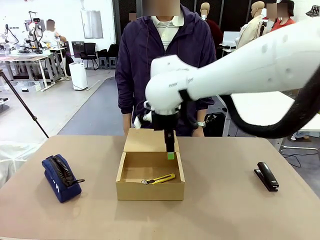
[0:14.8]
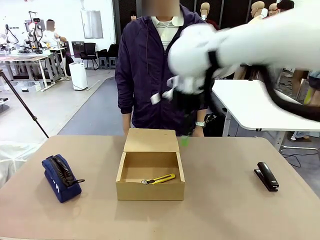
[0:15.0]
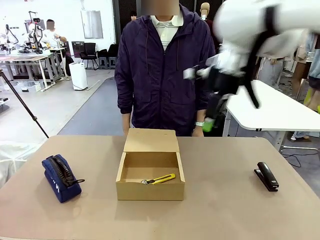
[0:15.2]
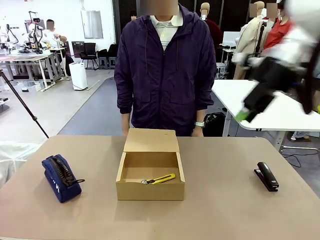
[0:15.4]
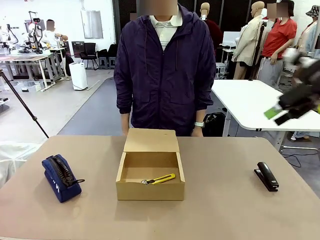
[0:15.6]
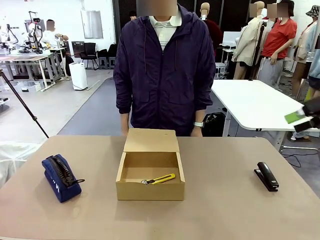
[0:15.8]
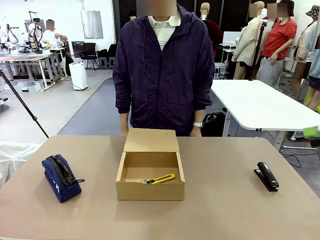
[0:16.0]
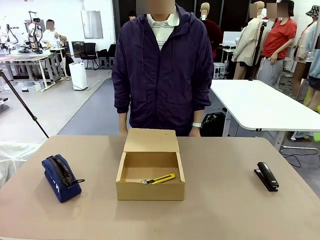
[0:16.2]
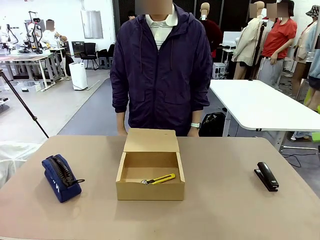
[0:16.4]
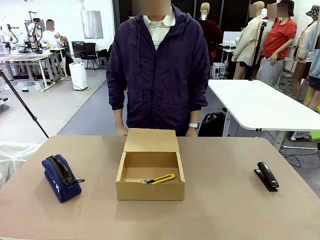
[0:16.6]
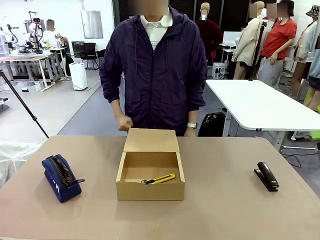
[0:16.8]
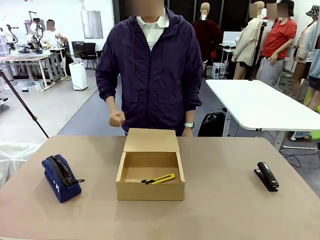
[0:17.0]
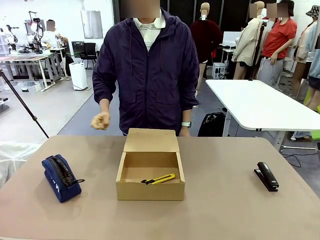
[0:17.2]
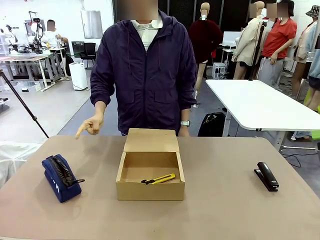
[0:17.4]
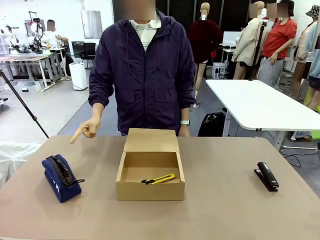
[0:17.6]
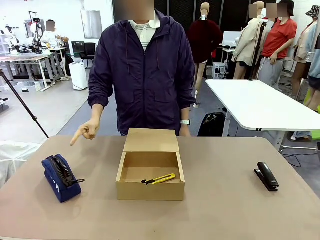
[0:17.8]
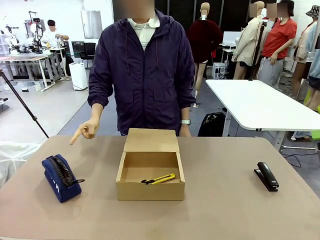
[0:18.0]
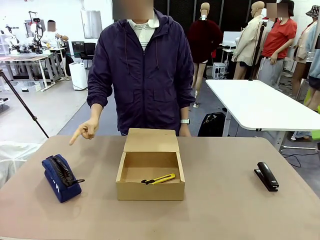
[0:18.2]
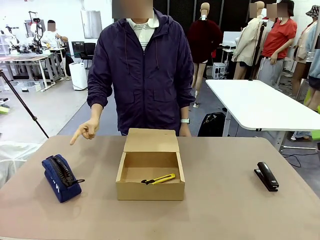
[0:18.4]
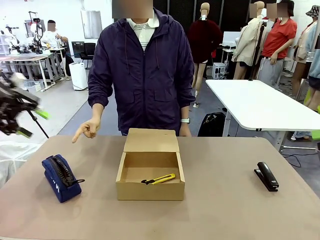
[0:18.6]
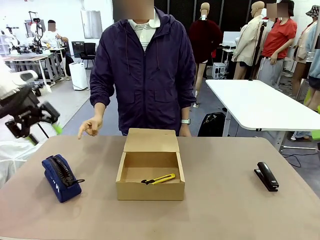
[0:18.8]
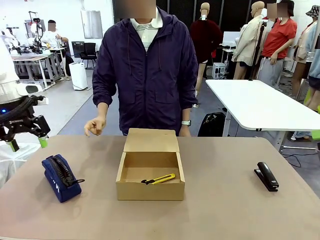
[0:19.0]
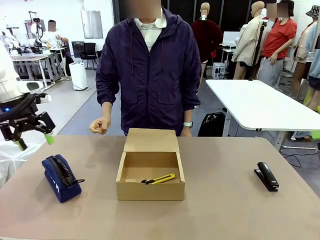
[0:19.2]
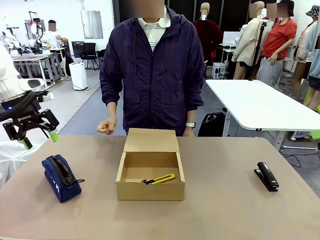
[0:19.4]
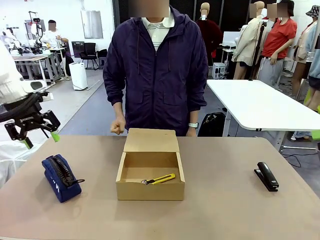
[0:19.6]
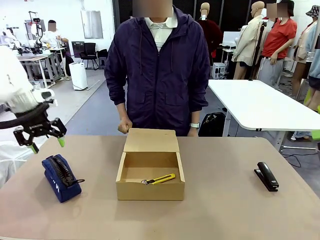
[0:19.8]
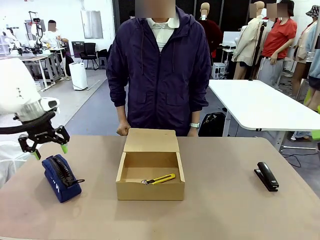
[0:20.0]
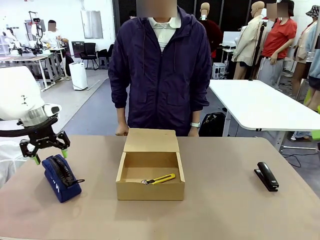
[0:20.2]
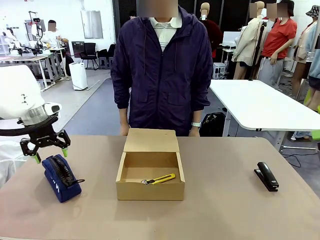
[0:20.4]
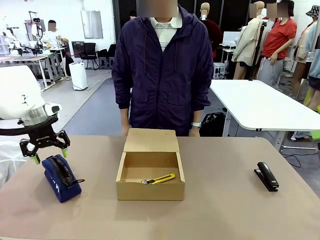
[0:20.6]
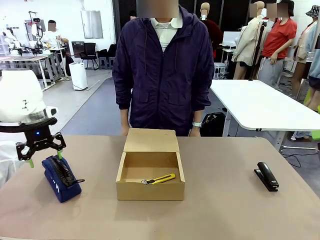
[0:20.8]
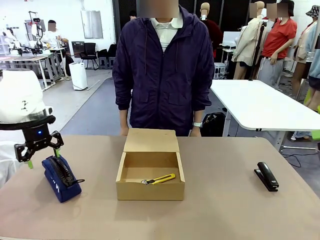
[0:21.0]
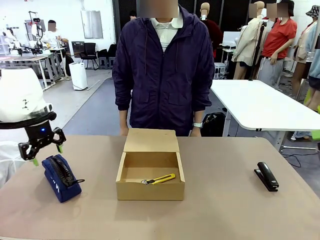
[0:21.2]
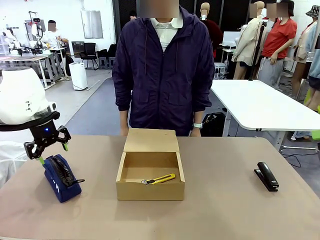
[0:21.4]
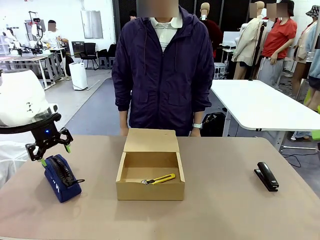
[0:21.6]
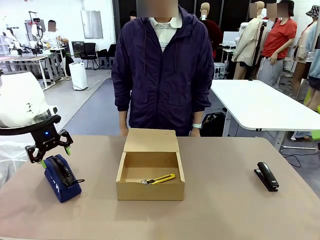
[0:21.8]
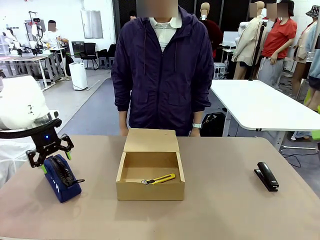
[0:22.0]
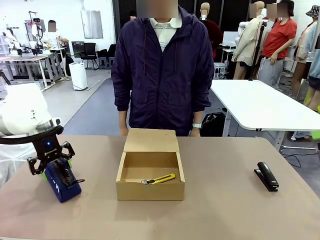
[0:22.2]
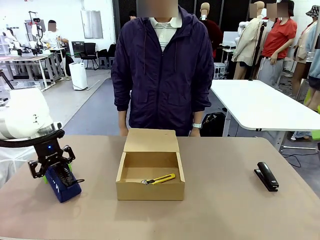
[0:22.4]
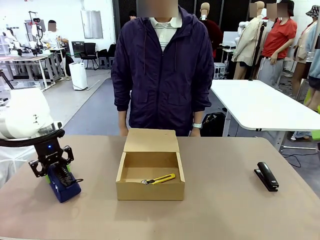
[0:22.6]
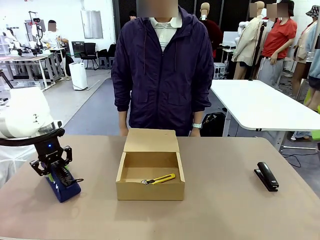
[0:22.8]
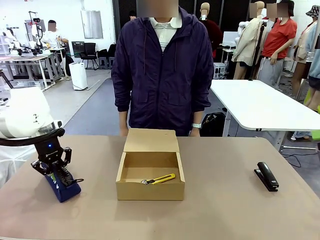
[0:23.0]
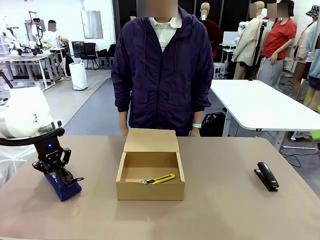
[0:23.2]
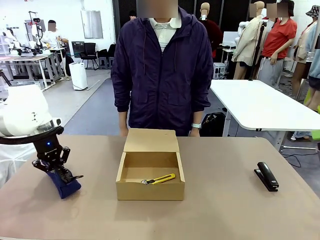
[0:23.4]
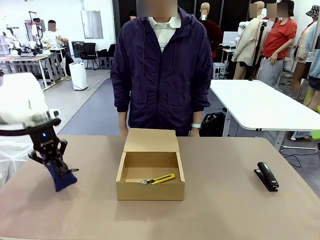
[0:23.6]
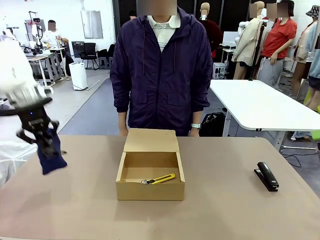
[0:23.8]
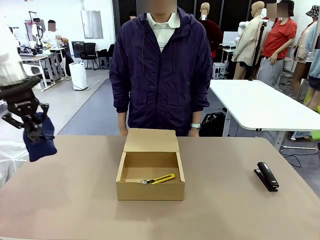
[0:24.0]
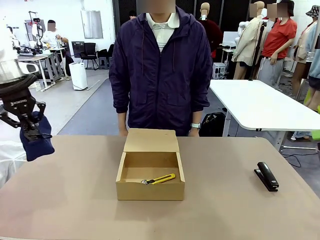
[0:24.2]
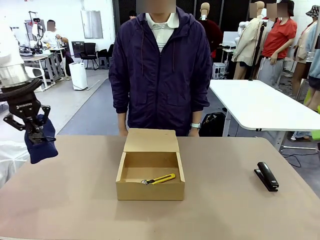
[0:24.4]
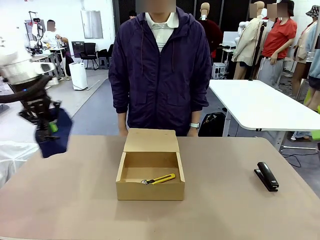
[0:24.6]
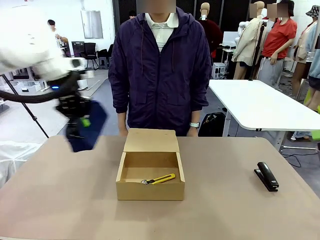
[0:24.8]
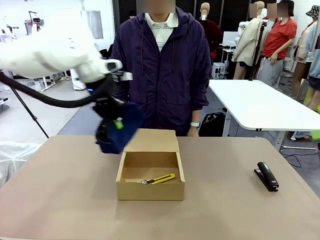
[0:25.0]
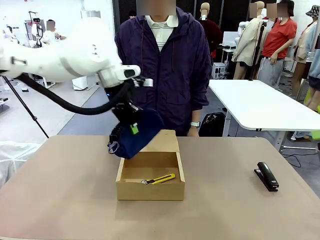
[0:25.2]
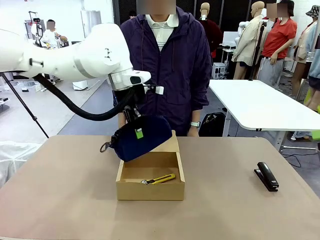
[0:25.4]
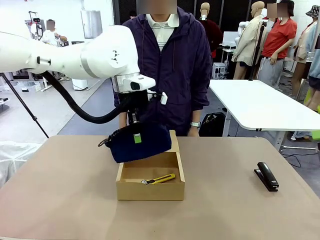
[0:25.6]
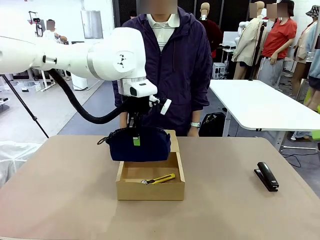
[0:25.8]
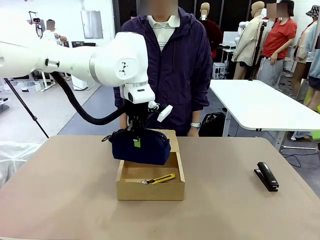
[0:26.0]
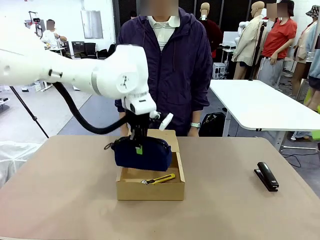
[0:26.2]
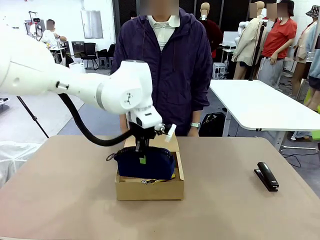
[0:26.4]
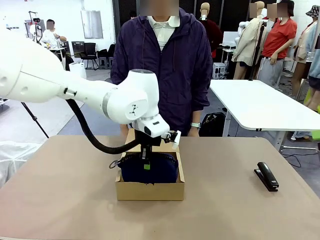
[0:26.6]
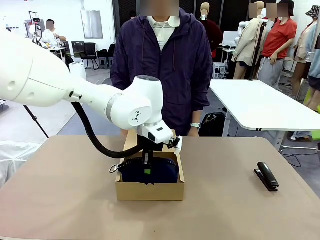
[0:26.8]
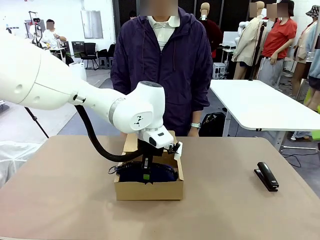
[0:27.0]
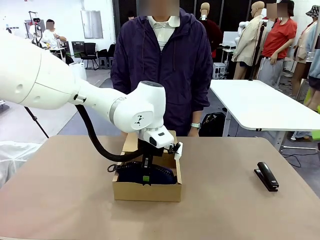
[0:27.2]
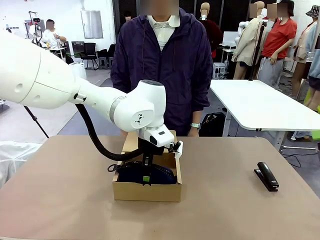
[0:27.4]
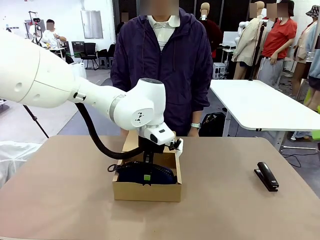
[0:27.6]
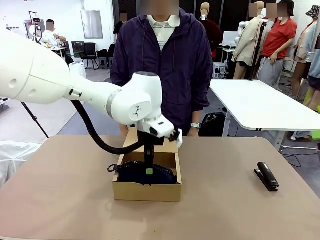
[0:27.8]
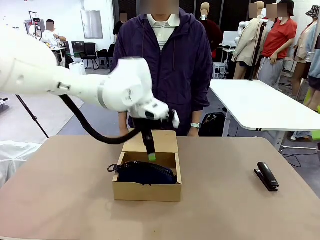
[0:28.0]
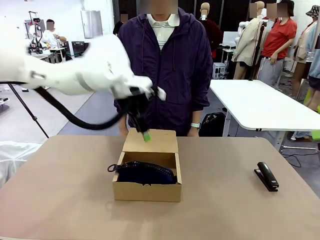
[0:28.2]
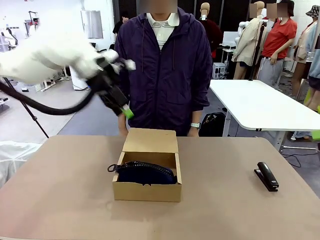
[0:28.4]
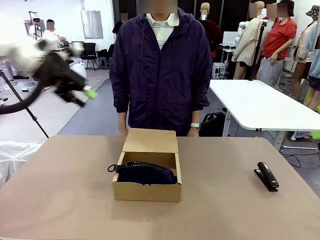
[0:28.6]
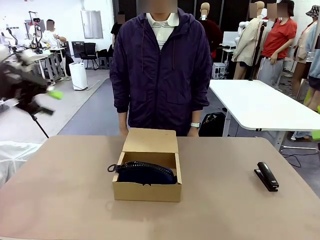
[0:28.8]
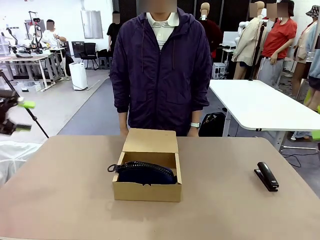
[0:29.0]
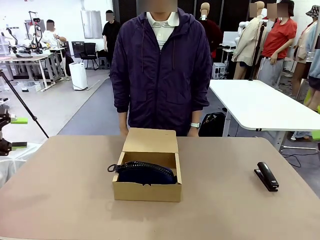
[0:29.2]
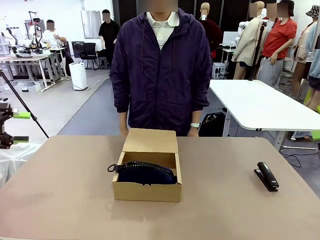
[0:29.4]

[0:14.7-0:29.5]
Task: Pack the items into the box.
Robot: Pick up the item specified by the human and place it in the Mailer Box.
Person: Lower both hands vertically with palms facing downward, as if pressing something closed.
